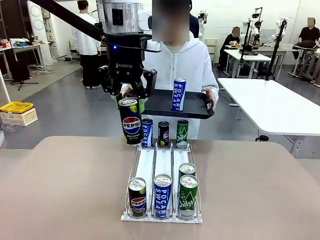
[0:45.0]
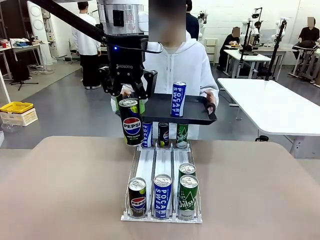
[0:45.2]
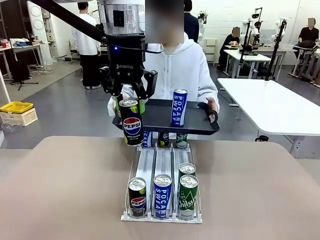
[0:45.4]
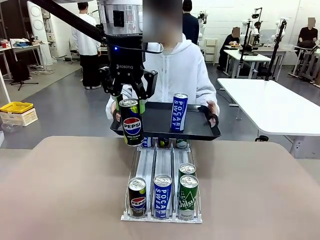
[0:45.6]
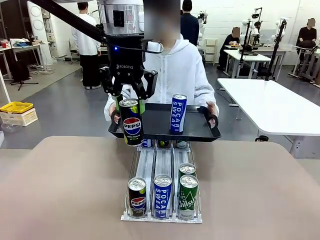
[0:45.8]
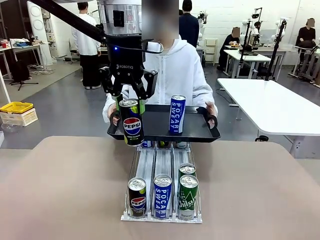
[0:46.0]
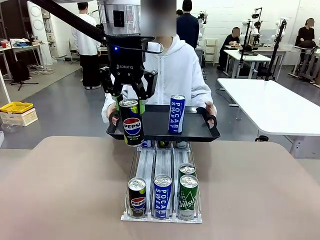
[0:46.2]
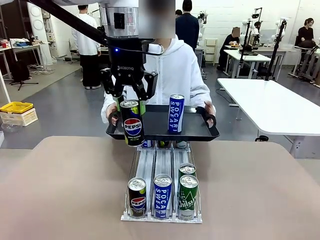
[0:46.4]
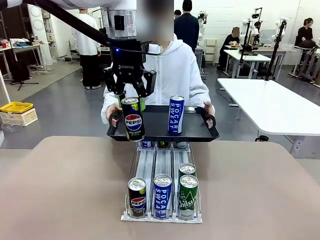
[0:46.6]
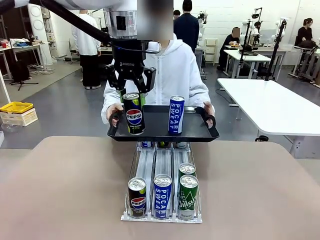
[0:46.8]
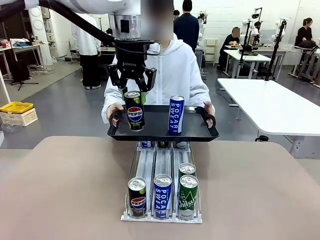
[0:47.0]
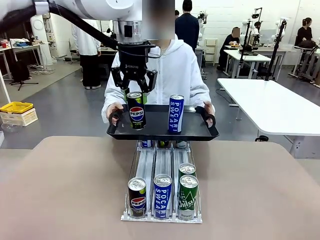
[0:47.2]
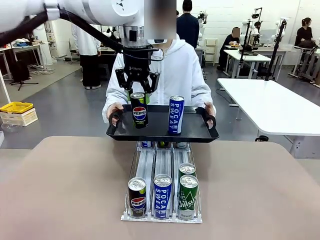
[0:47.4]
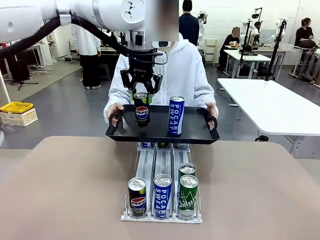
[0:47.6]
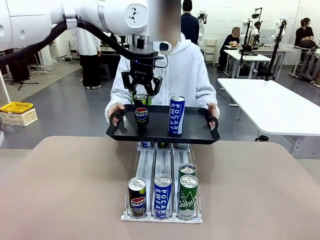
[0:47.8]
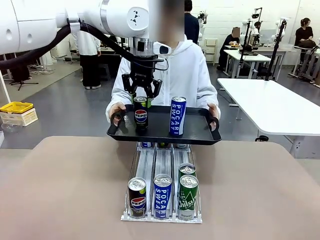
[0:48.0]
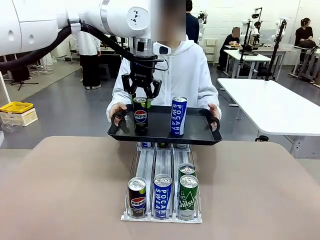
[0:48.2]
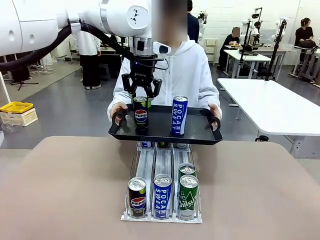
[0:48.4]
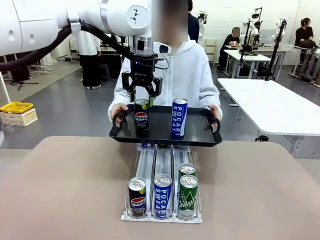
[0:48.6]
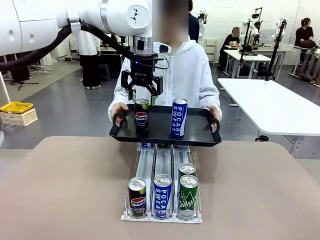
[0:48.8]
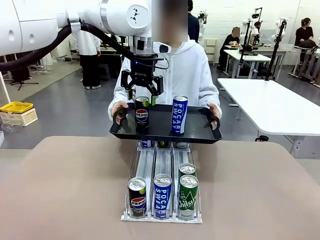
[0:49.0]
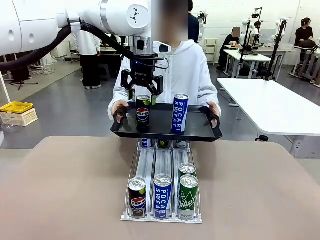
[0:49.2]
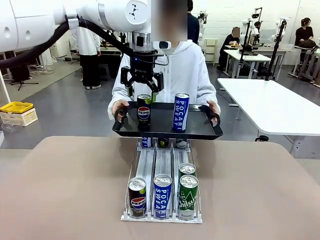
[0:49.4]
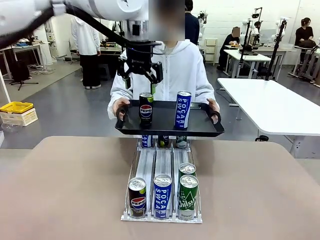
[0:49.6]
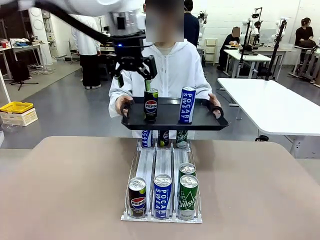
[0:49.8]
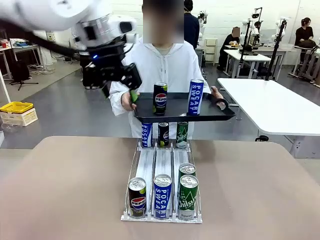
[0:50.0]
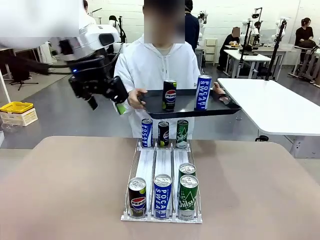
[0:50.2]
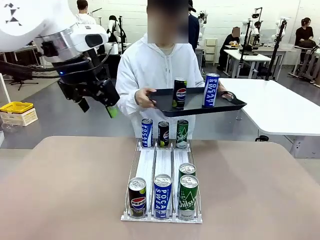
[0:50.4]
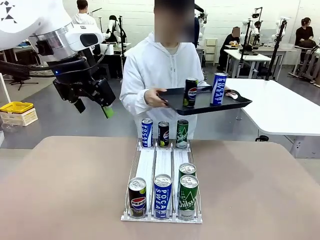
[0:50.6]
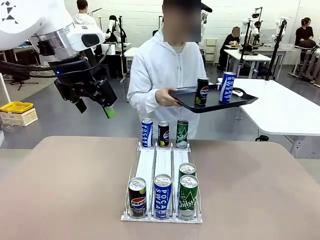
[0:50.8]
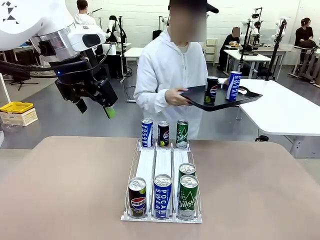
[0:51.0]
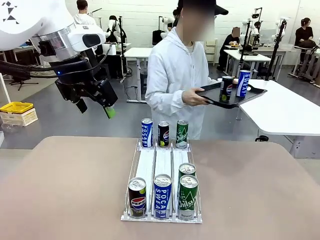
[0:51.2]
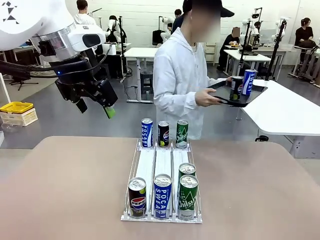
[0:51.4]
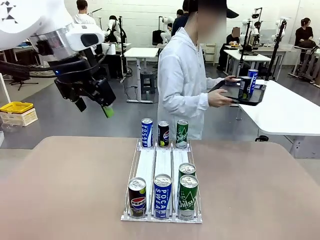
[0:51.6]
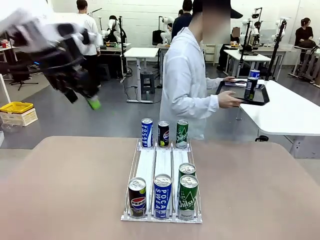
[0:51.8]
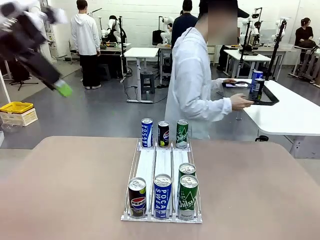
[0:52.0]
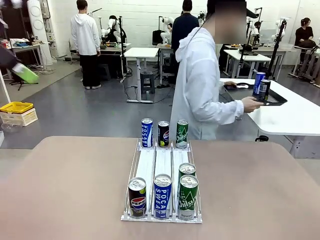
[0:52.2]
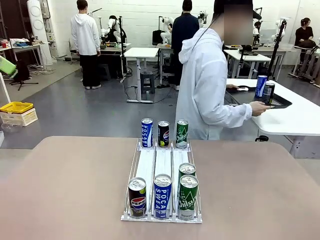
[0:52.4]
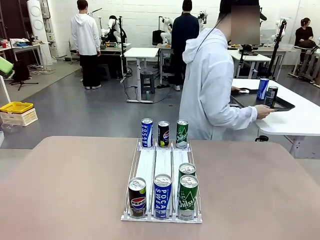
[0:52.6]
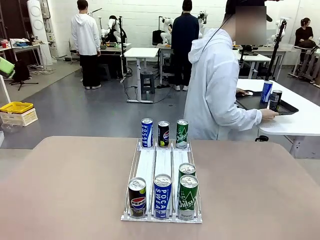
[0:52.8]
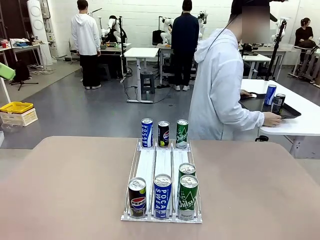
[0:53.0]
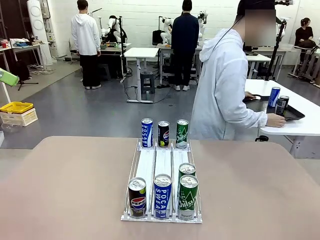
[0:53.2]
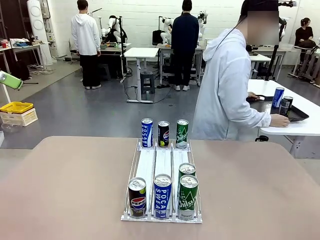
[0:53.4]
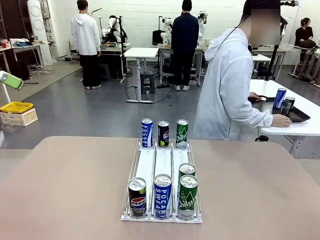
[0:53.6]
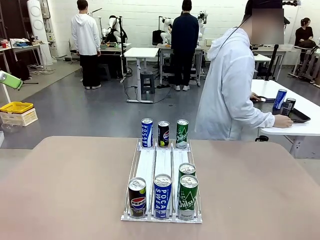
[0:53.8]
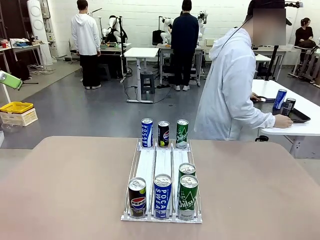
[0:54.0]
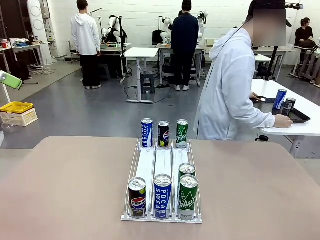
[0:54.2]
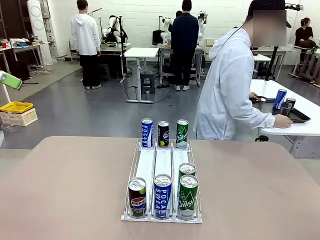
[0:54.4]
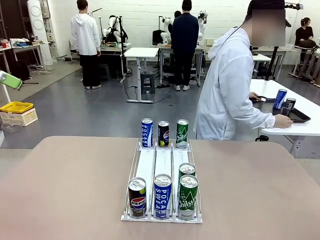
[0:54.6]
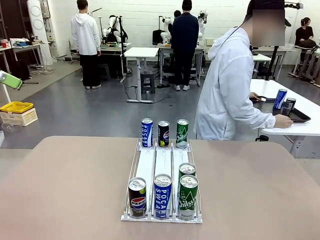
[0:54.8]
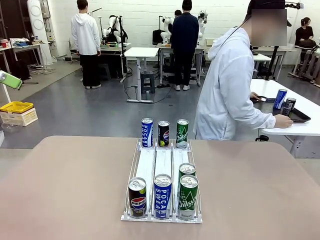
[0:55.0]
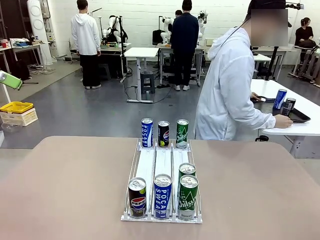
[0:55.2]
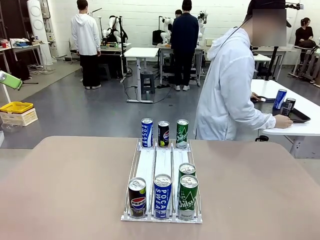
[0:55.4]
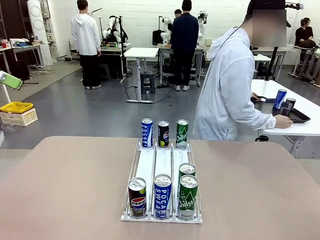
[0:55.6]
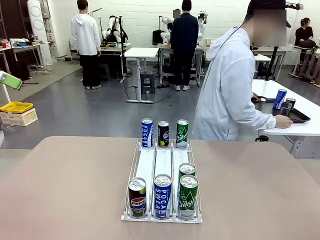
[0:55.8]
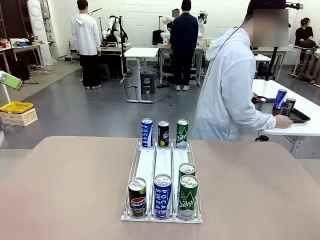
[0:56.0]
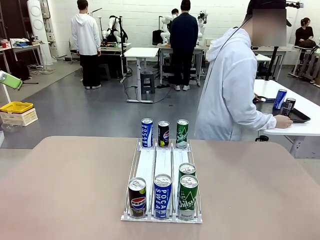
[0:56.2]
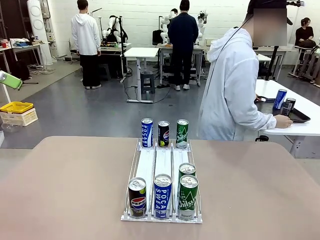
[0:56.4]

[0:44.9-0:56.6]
Task: Retrieve and hand over the desired beverage to the person.
Robot: Place the picked can on the Handle tray extended by the person.
Person: Pull the tray back and place it at the center of the human table.

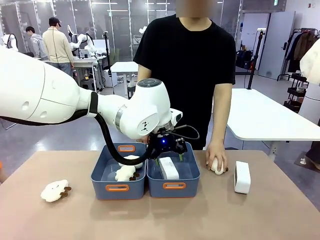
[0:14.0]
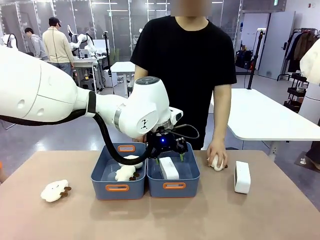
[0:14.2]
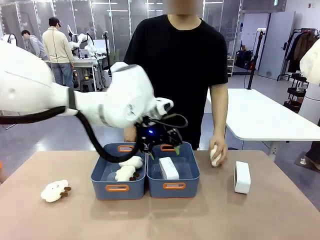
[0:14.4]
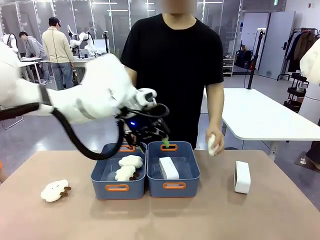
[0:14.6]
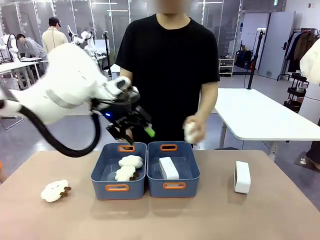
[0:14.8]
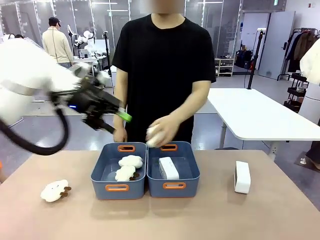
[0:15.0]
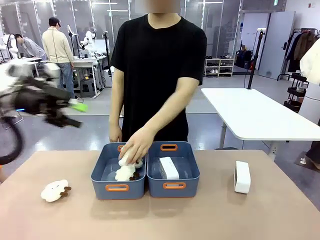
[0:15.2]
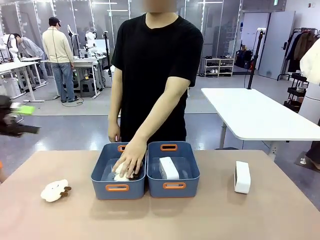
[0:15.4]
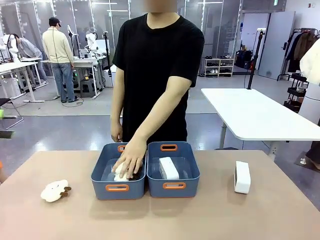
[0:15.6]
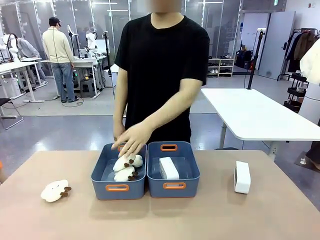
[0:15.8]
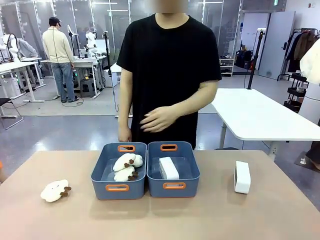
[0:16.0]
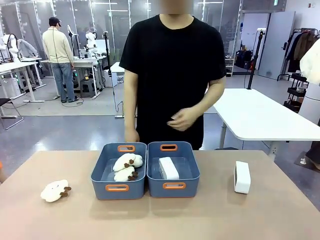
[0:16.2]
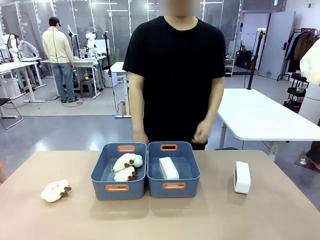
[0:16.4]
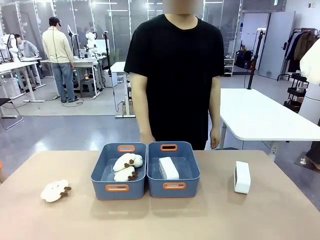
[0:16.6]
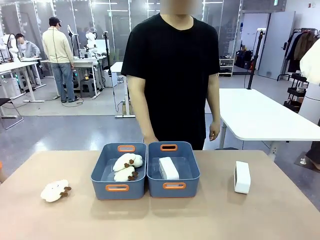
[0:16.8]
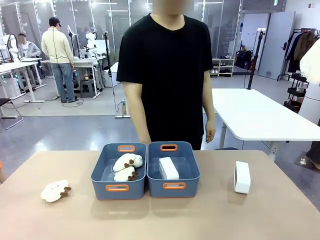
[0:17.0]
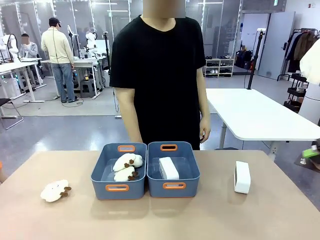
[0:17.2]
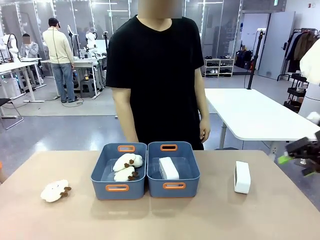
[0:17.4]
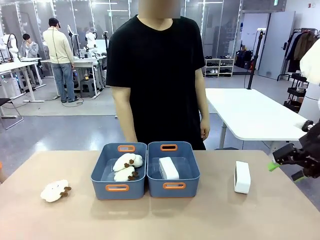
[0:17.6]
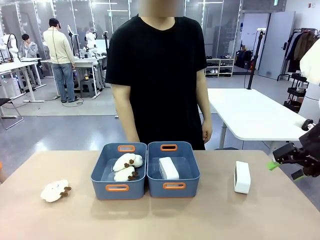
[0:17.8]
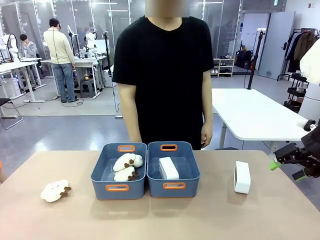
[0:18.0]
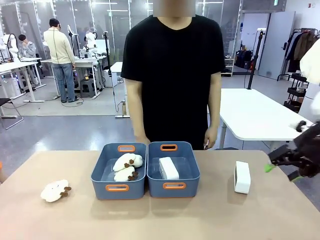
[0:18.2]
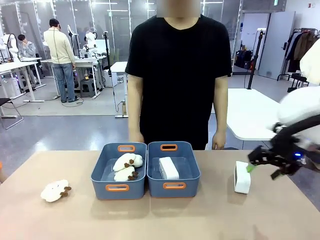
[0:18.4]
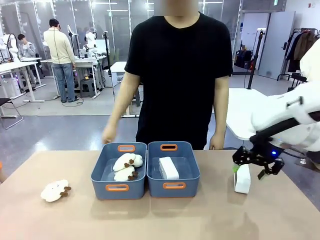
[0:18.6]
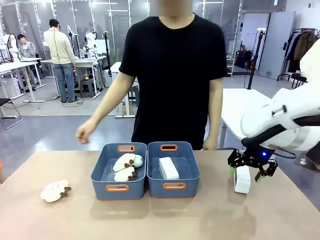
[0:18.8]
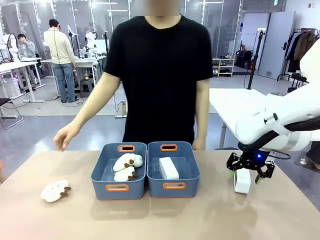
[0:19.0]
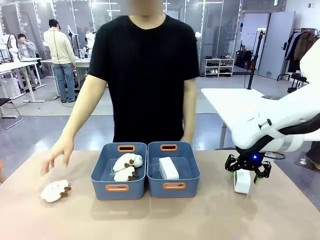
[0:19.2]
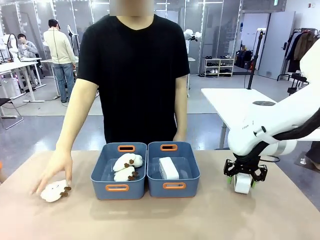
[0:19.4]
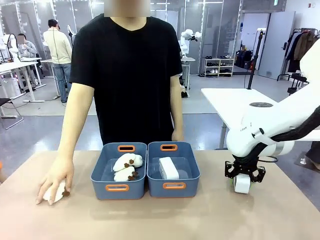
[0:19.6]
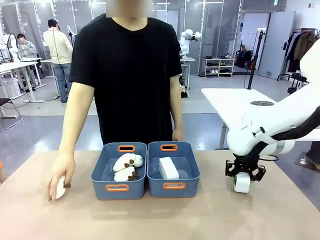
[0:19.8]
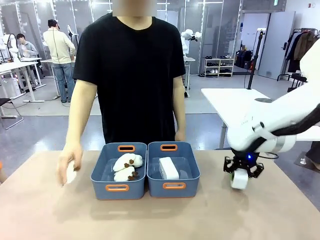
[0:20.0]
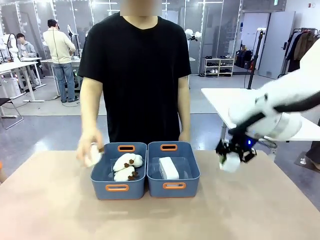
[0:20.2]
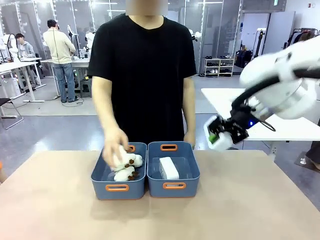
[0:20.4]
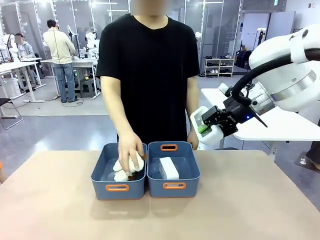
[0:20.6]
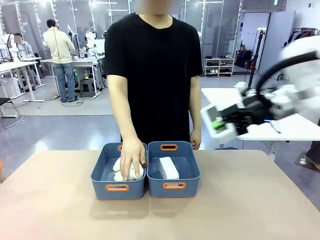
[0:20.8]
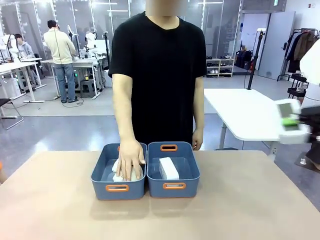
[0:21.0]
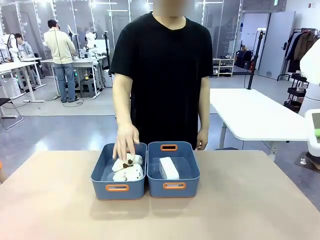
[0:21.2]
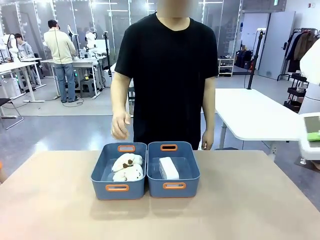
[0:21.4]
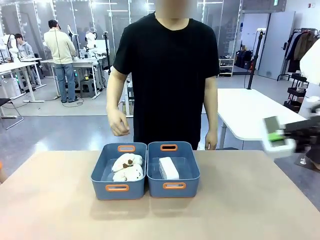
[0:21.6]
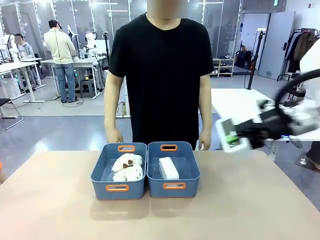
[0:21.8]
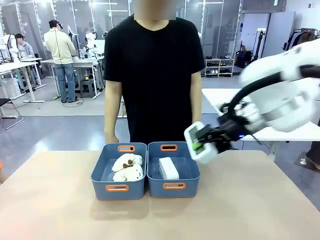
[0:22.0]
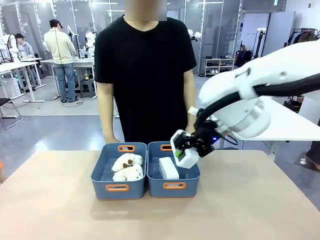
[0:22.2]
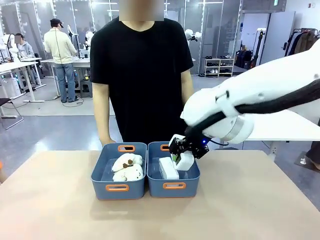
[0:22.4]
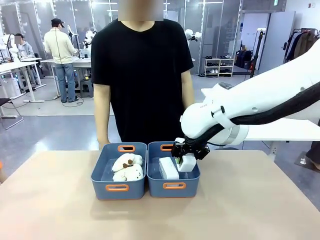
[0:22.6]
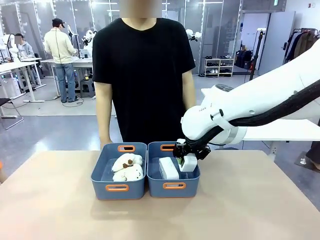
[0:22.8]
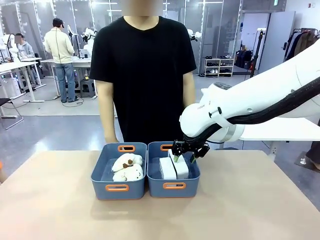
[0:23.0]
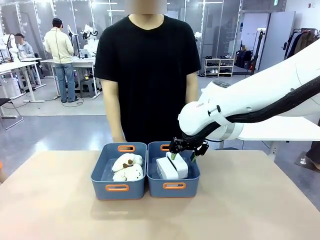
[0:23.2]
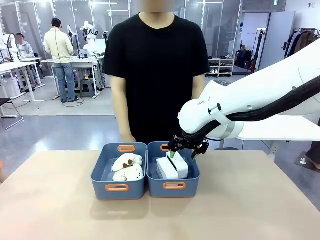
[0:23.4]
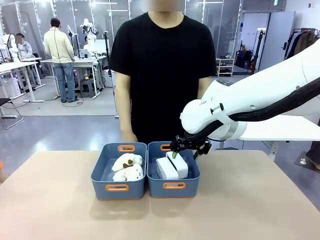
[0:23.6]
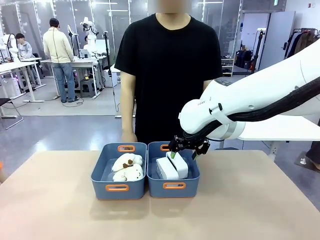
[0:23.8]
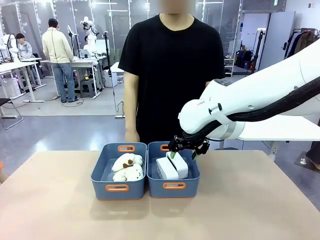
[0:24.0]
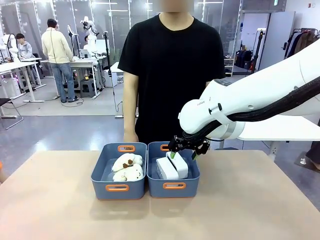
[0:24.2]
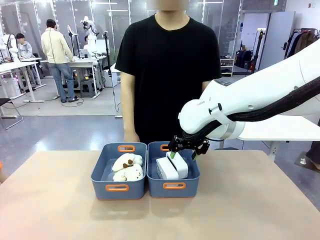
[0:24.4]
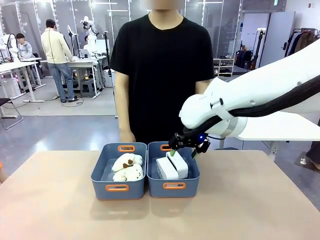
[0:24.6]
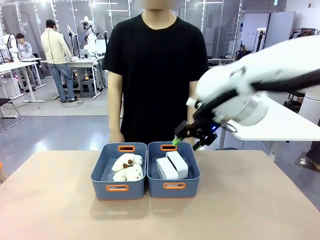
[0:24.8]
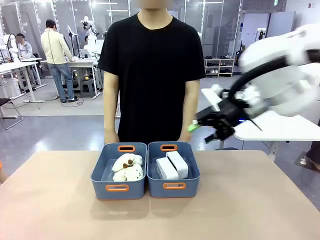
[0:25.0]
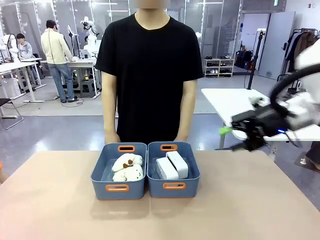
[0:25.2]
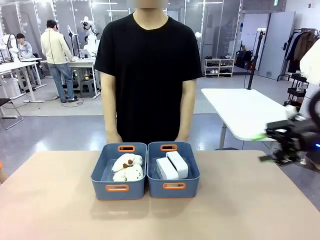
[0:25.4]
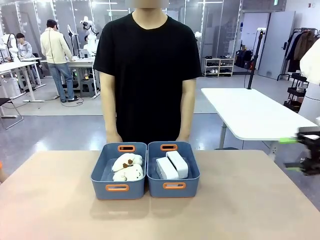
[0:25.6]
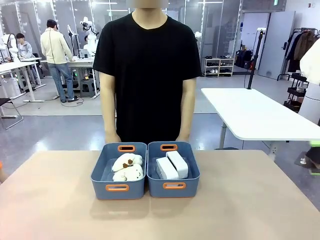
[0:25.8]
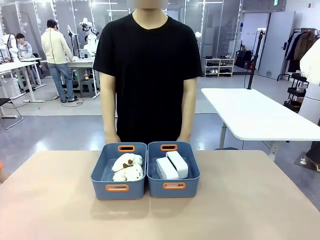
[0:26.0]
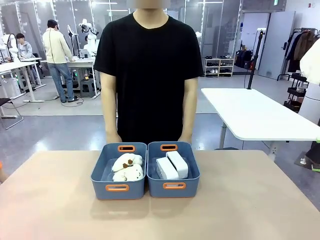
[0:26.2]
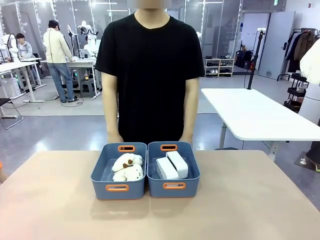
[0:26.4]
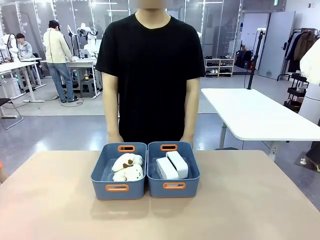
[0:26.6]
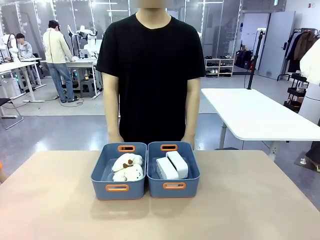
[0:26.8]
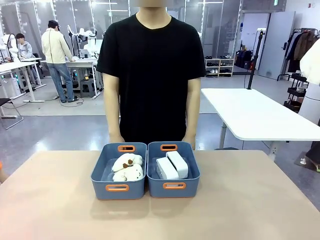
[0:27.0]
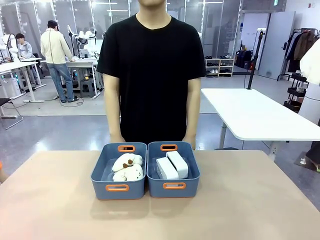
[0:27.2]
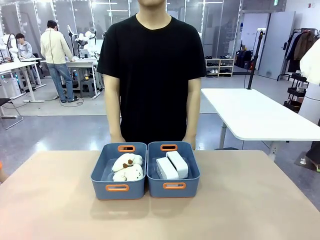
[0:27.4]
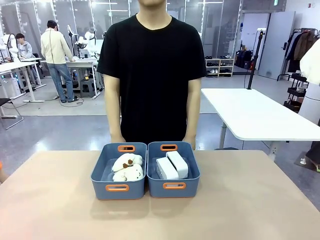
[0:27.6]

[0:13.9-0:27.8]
Task: Sort the digital clocks into the basket.
Robot: Pick up the Digital clock from the table and place it into the empty Plastic storage basket.
Person: Pick up a plush toy from the table and place it in the plastic storage basket containing the plush toy.
